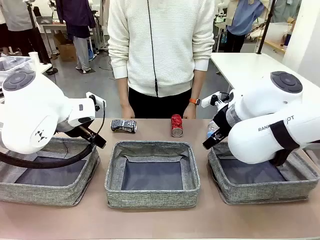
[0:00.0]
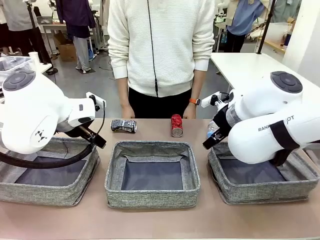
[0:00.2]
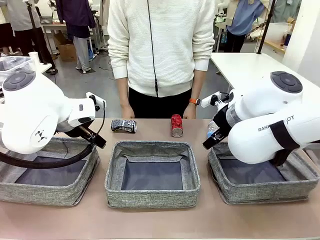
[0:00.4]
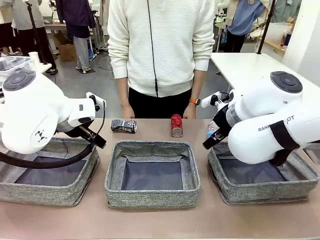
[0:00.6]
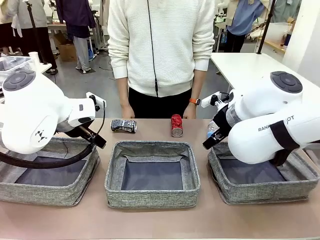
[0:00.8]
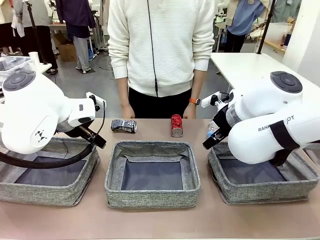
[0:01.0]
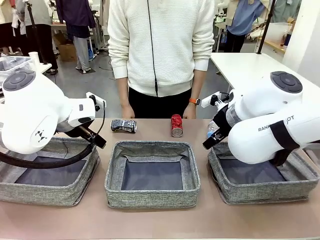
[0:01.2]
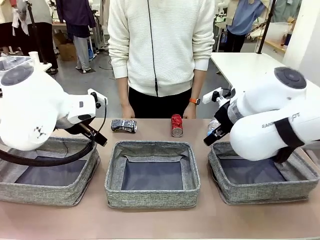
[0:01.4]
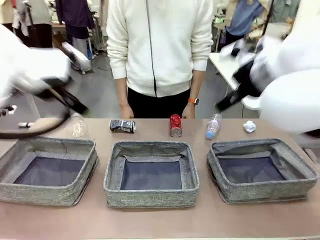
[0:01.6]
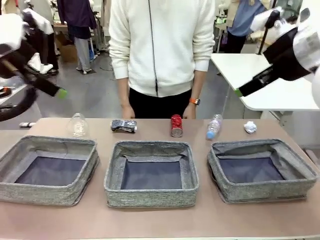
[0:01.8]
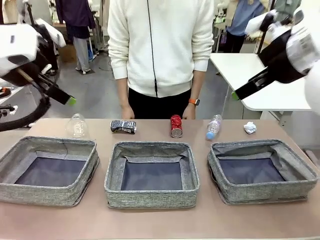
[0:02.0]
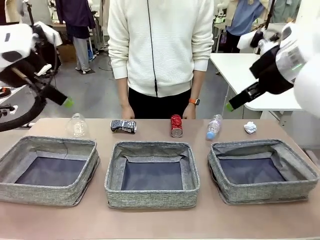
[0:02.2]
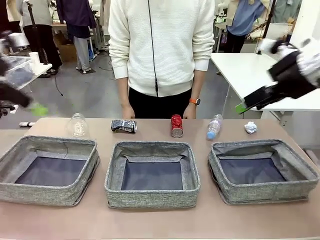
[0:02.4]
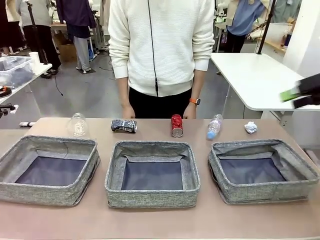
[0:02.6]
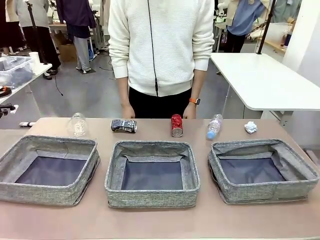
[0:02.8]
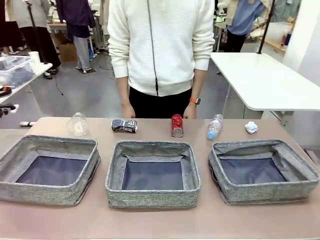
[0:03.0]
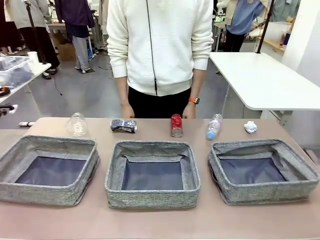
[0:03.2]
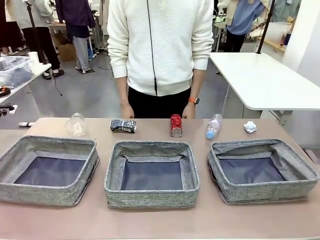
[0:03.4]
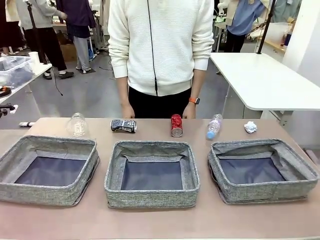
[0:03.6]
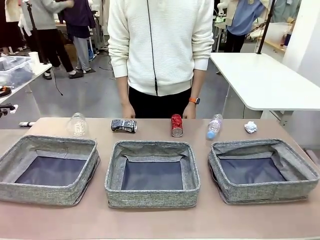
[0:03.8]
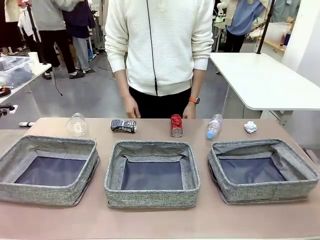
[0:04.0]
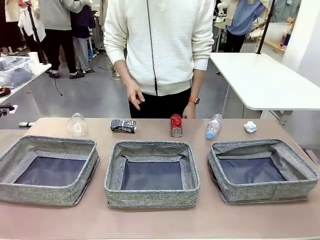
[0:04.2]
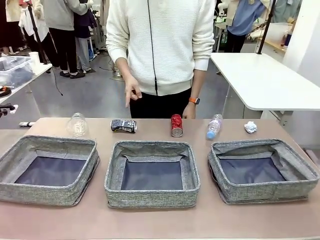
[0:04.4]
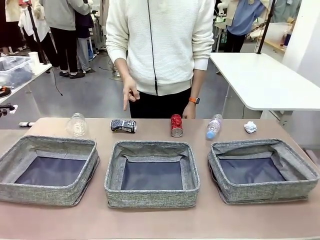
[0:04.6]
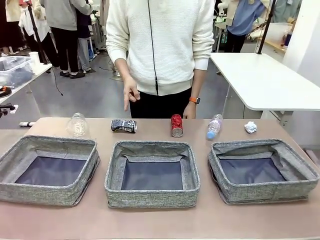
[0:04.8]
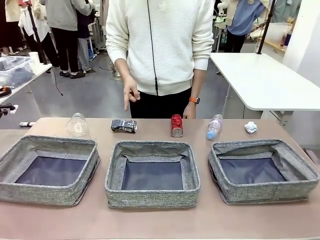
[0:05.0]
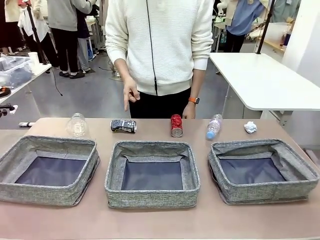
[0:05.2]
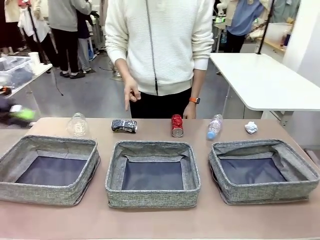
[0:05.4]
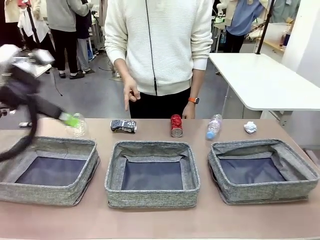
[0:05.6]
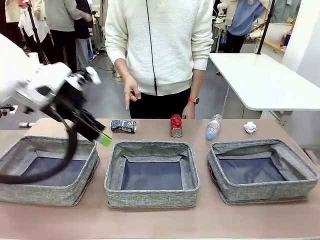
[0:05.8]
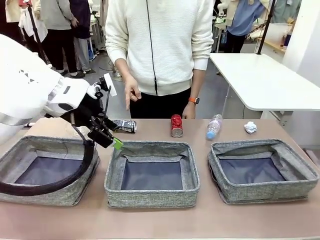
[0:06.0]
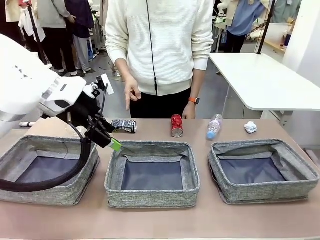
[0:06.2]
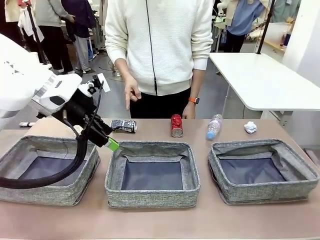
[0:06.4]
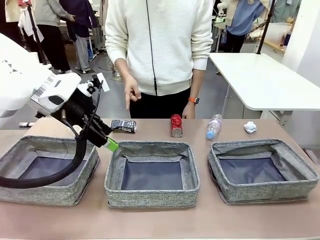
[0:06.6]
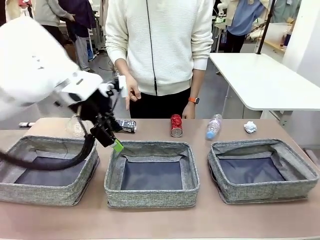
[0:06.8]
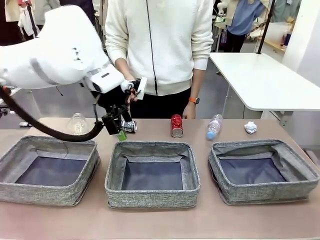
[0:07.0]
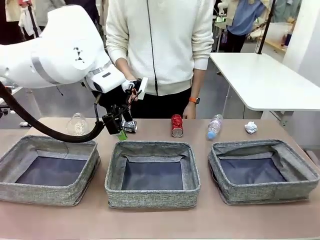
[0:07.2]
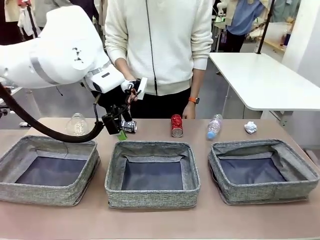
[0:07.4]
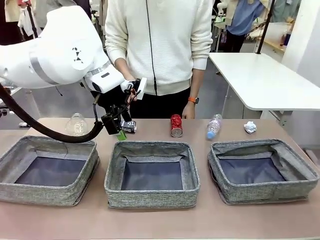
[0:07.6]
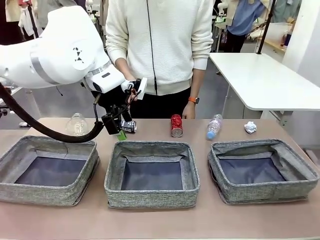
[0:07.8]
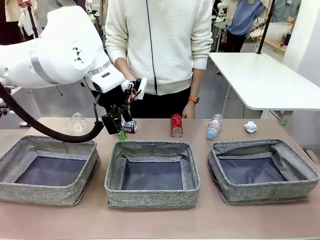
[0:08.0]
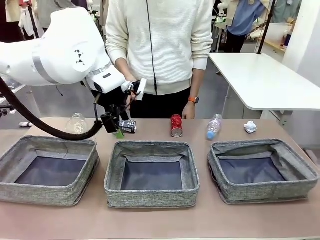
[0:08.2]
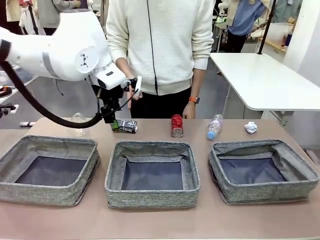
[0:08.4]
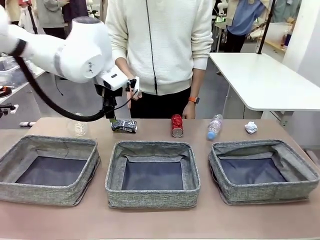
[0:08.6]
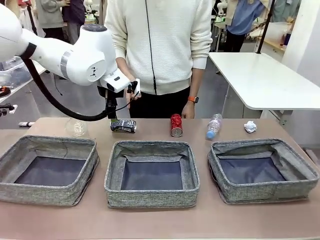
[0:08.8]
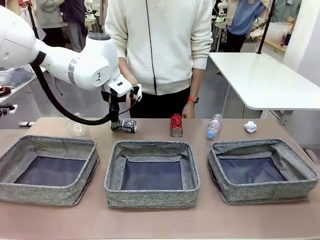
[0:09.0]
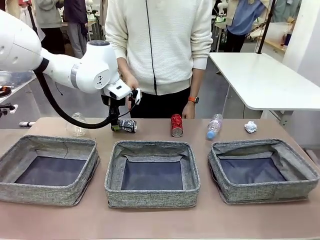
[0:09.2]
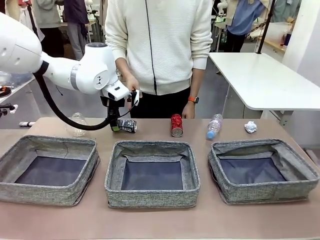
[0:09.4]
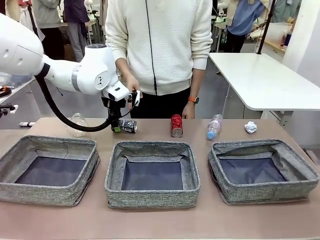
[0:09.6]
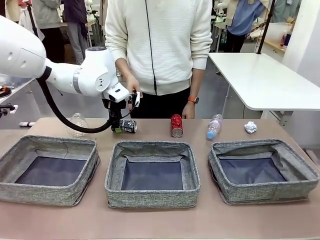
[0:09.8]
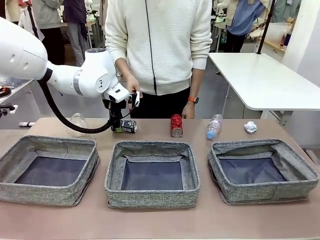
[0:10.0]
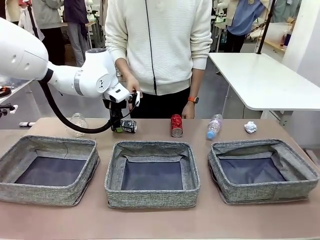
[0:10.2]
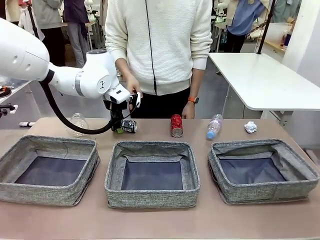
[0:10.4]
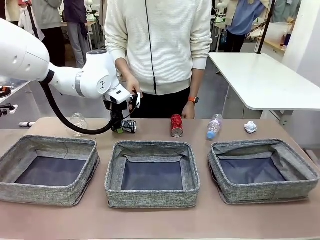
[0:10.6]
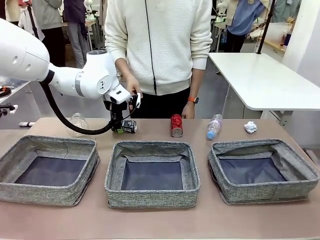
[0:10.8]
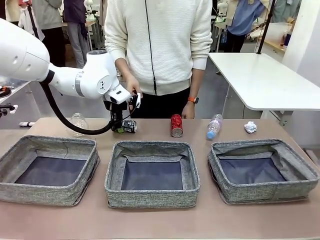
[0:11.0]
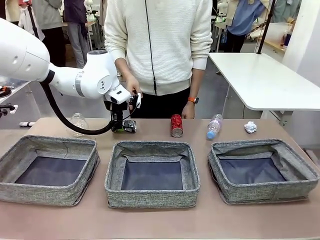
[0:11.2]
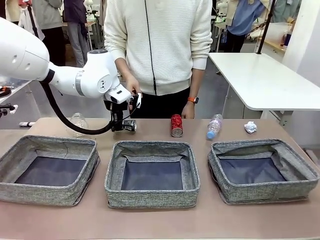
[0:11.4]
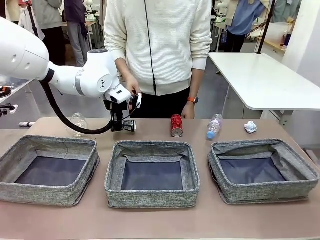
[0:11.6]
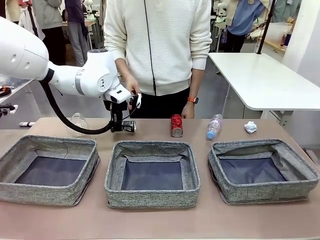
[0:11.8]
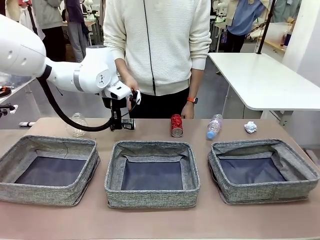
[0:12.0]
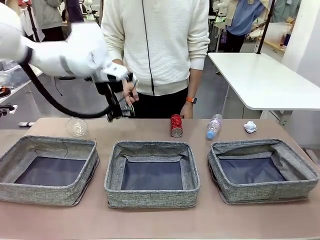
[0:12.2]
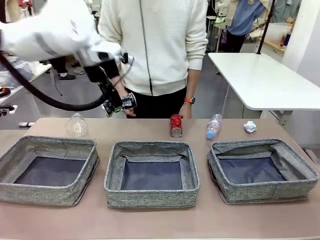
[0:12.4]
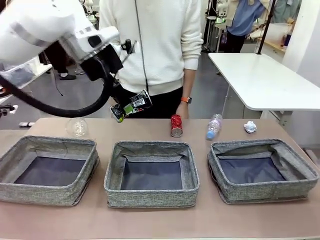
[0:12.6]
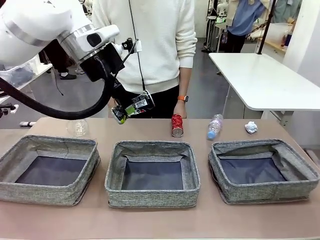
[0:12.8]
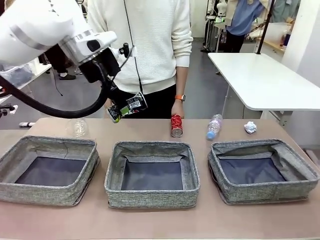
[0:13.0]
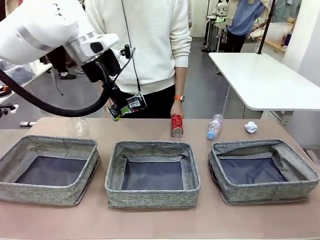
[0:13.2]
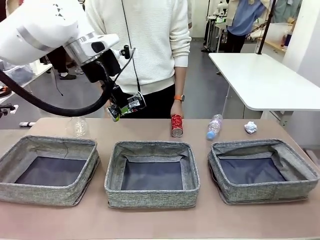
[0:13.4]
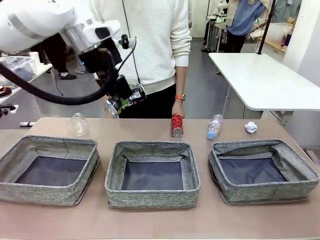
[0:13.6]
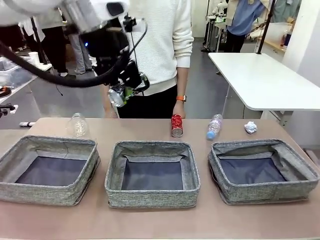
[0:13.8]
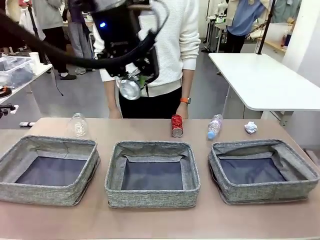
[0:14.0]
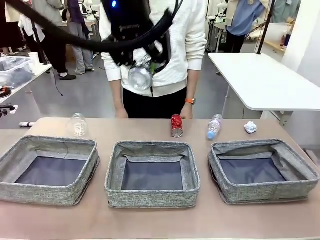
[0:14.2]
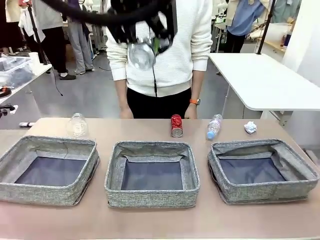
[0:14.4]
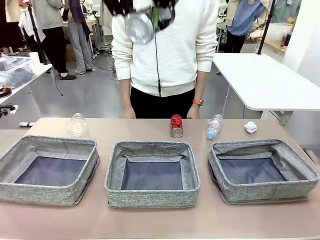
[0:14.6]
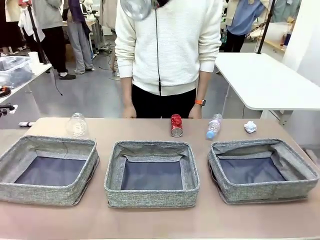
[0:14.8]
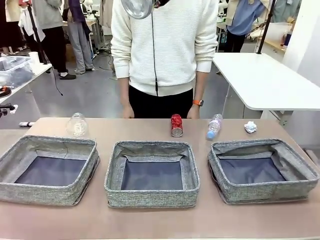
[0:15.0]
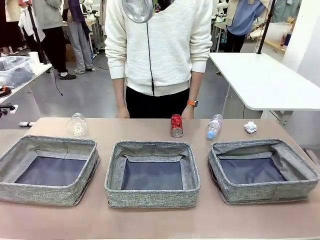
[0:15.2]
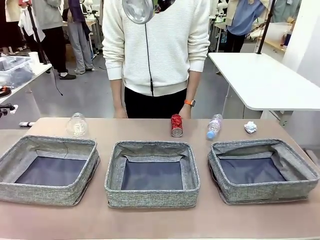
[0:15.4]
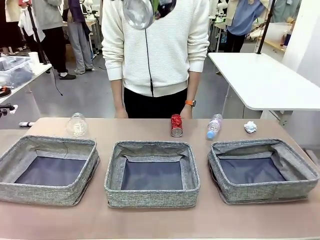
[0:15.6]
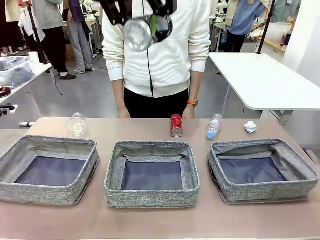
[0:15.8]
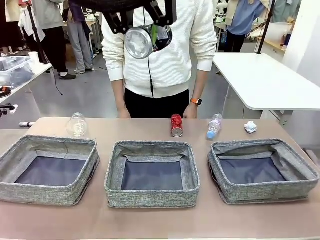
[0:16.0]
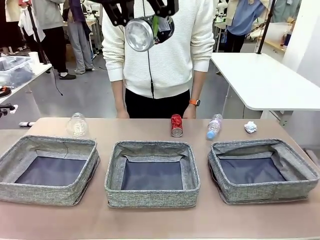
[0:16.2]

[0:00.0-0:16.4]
Task: Sort the waste into the appropriate baskets.
Robot: Pick up the waste item pointed out by the person.
Person: Points to one piece of trash on the table.

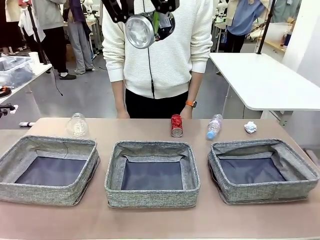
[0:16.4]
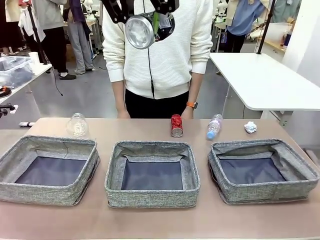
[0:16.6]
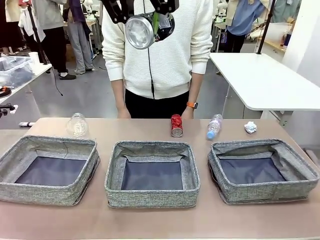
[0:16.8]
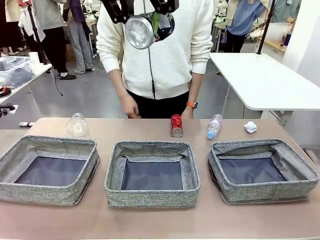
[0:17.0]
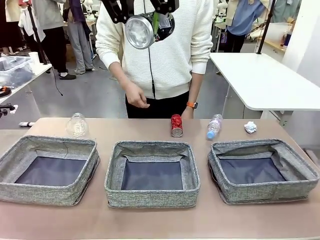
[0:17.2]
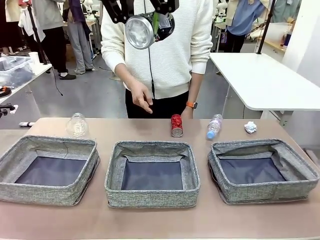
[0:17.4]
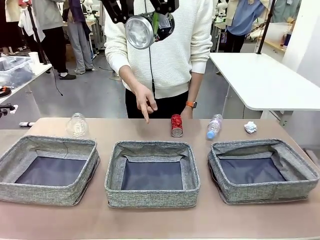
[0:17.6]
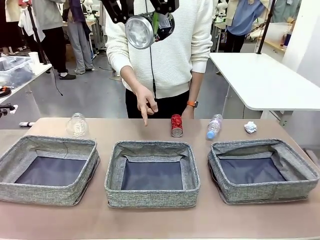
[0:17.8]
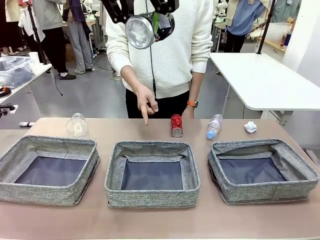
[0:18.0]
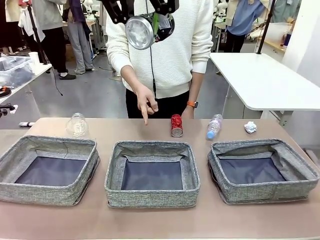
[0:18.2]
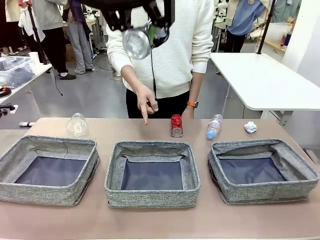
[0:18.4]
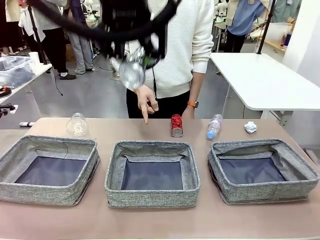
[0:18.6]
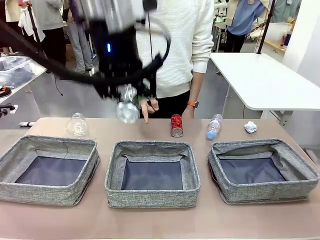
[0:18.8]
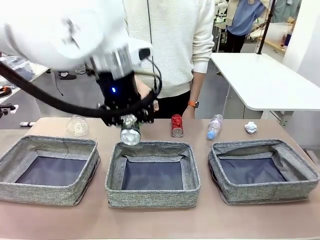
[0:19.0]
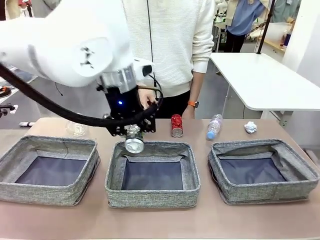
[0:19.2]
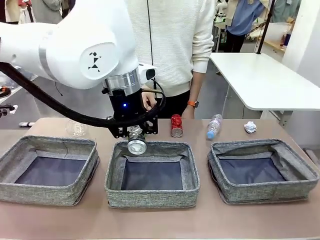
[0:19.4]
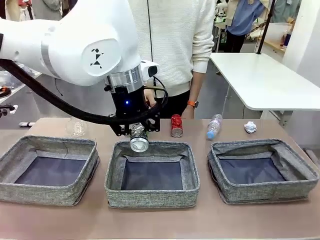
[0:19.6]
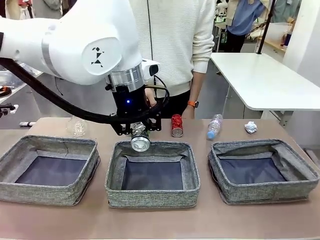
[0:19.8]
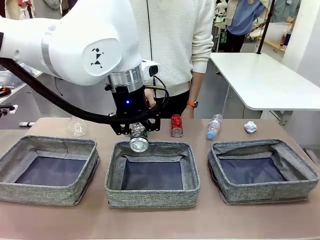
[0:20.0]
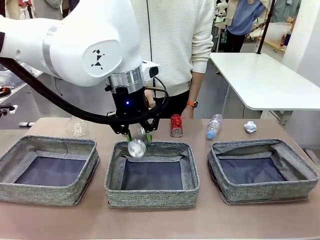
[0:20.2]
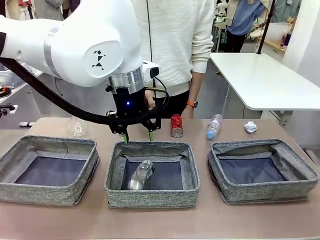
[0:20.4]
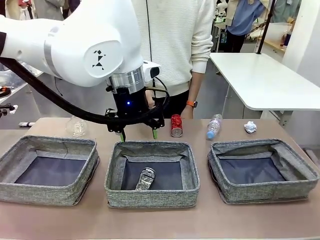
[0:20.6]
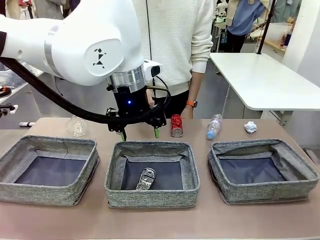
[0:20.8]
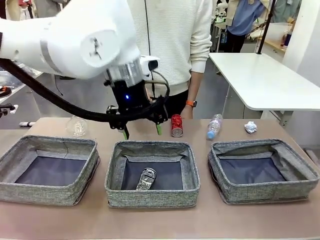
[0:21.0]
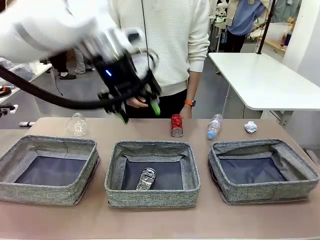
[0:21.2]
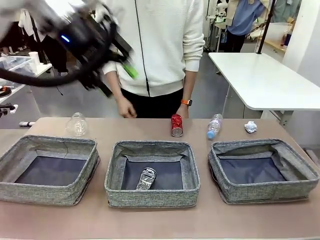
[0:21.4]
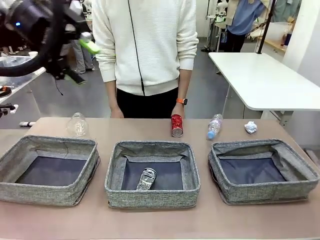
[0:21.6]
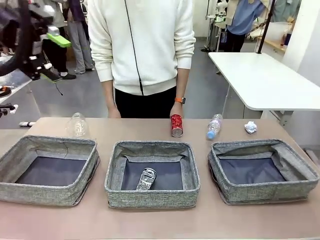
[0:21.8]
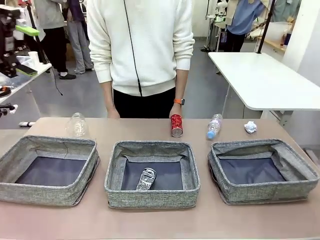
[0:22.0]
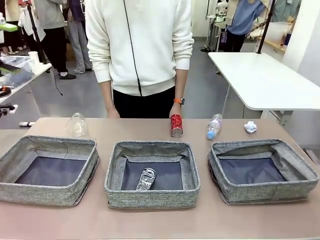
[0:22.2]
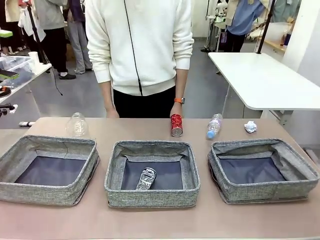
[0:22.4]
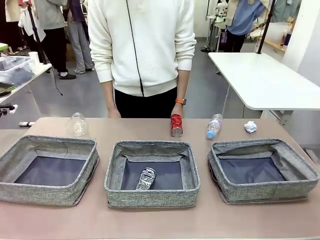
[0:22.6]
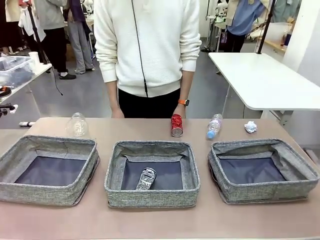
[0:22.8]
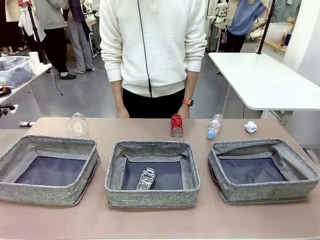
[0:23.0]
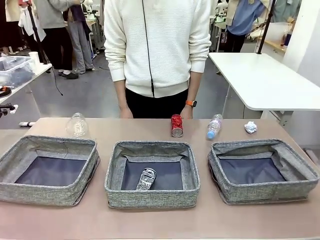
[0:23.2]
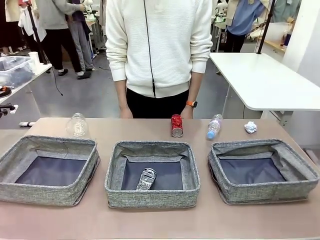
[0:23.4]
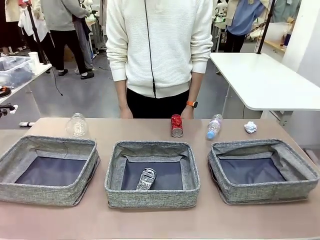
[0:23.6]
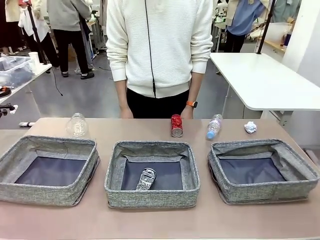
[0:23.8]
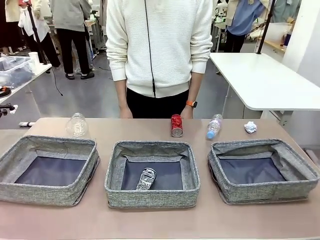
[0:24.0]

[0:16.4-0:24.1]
Robot: Place the picked waste into the Fabric basket indicated by the person.
Person: Instructs the robot to place the picked-up trash into the appropriate organizing basket.
